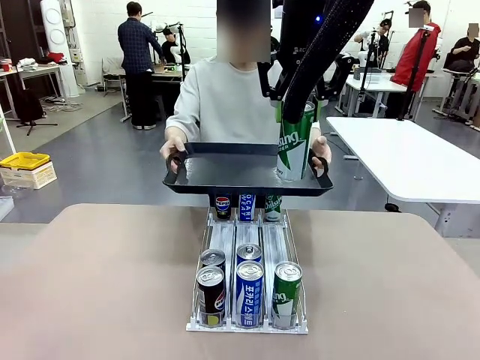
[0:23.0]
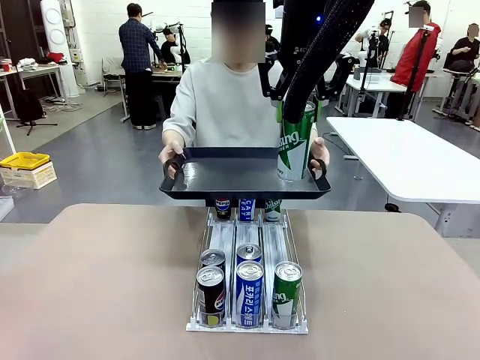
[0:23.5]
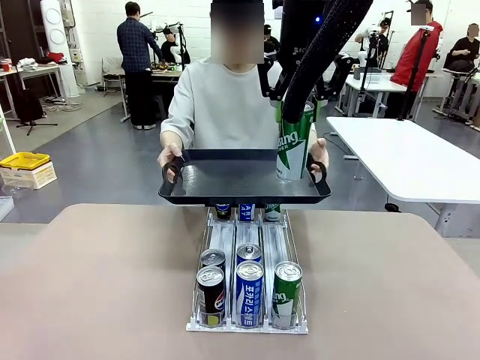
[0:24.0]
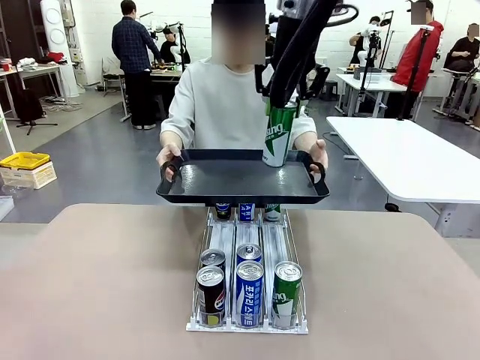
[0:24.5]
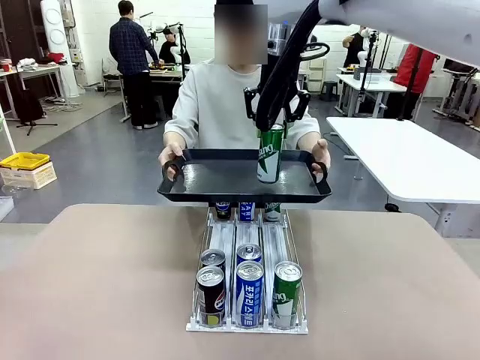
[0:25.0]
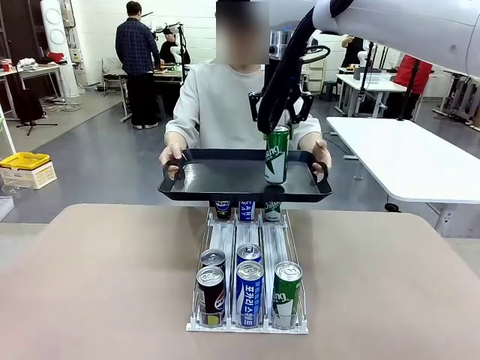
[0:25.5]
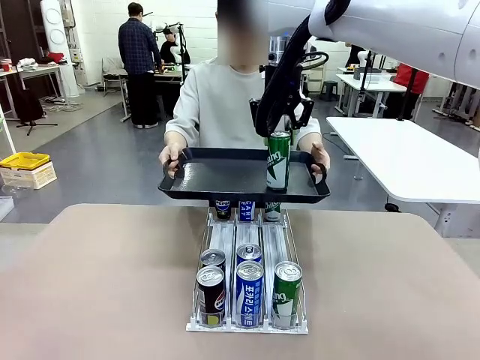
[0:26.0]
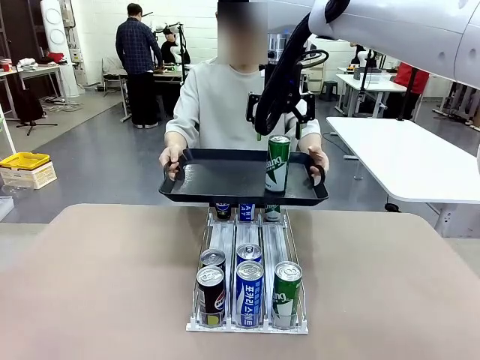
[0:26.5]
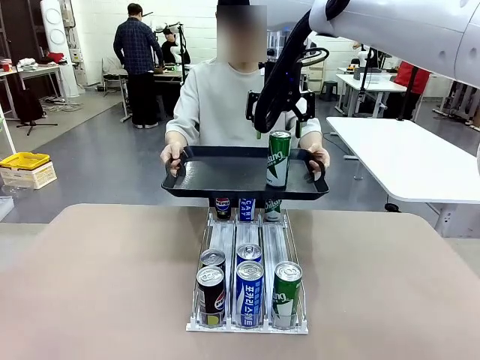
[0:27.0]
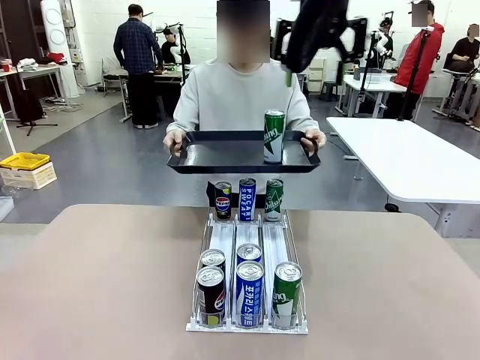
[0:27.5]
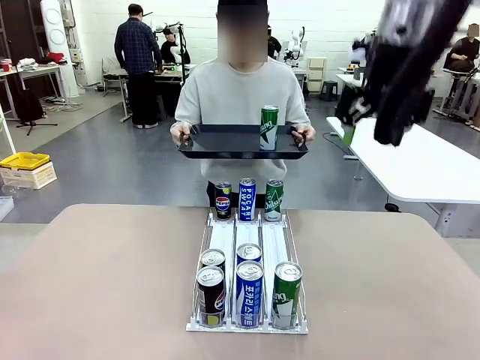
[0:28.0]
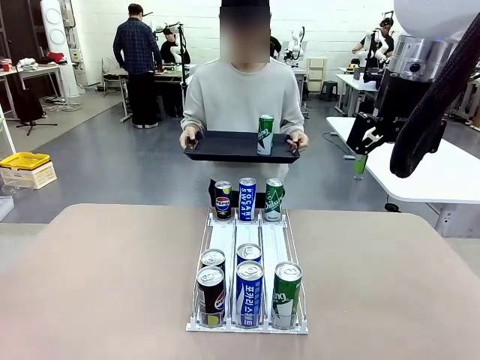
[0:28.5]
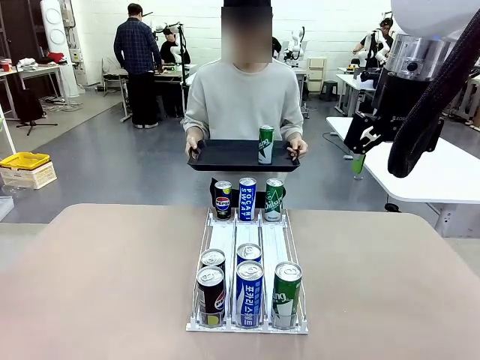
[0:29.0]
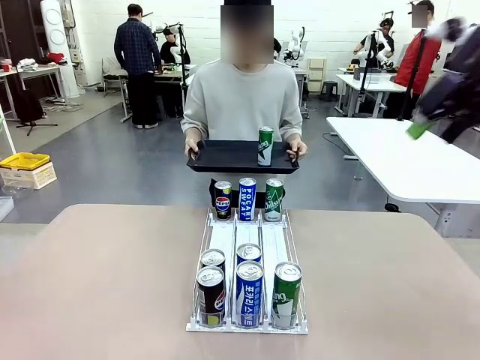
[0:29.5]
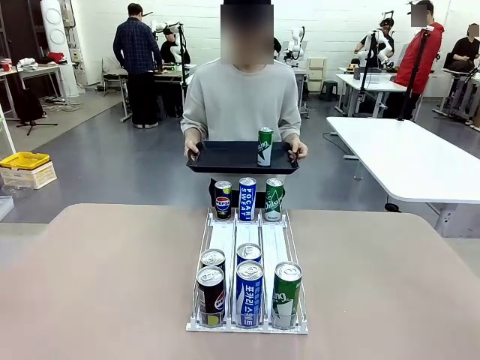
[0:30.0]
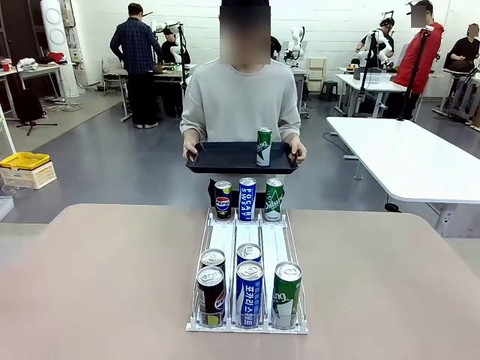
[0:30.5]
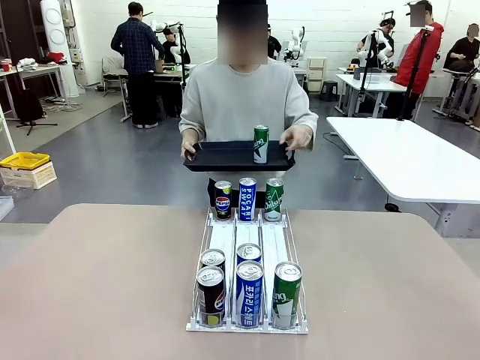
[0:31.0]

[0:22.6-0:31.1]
Task: Retrieve and hand over the desired beverage to the person.
Robot: Place the picked can on the Handle tray extended by the person.
Person: Pull the tray back, then pick up another can from the bottom area of the table and puts it back in its original place.

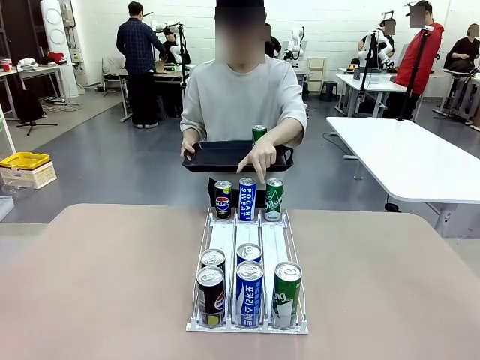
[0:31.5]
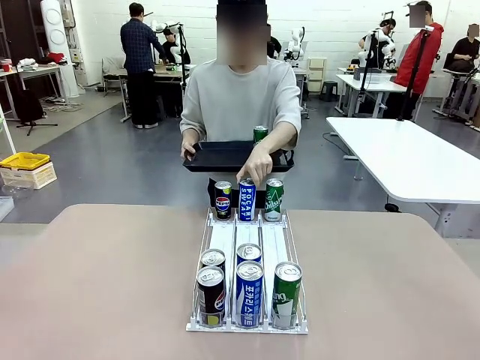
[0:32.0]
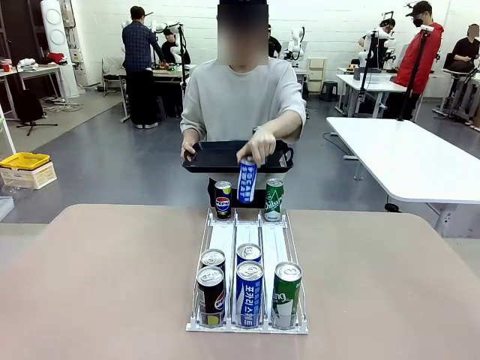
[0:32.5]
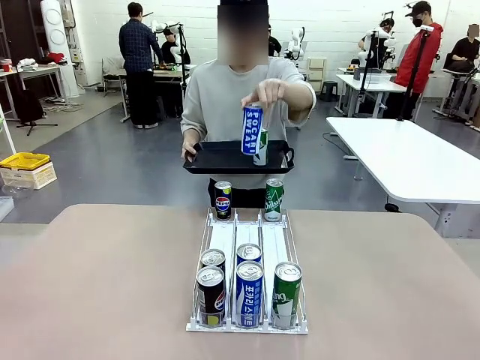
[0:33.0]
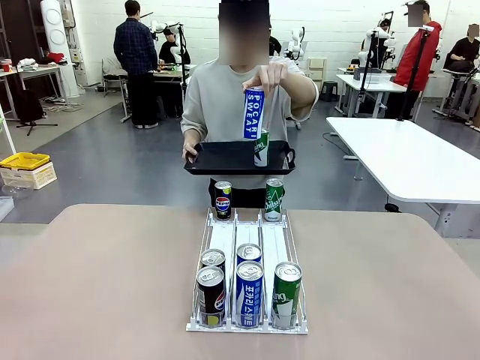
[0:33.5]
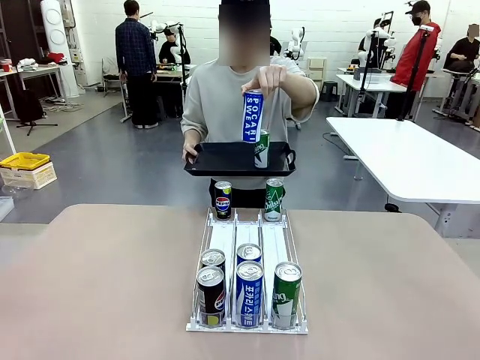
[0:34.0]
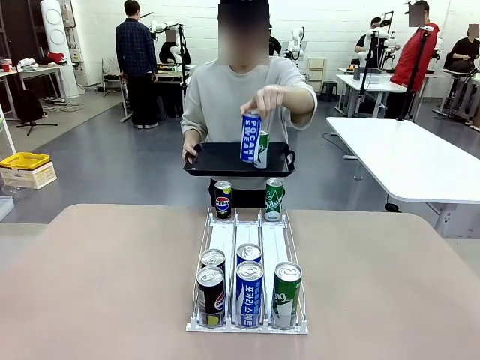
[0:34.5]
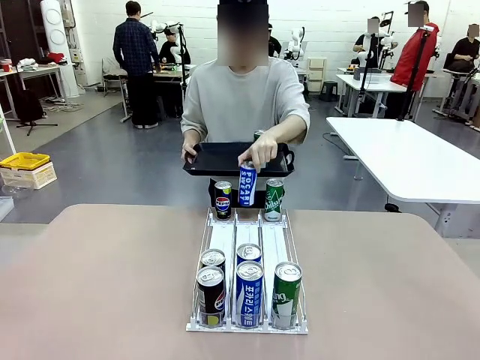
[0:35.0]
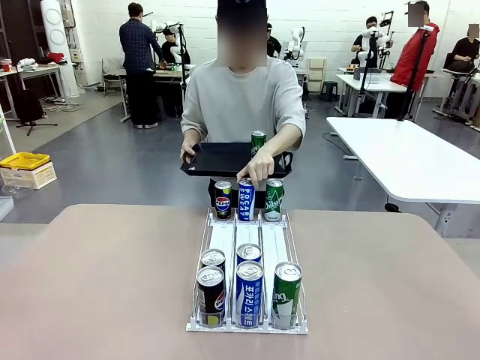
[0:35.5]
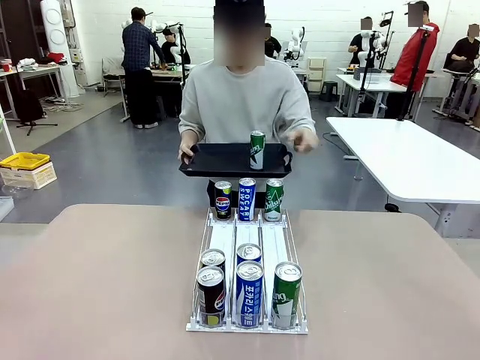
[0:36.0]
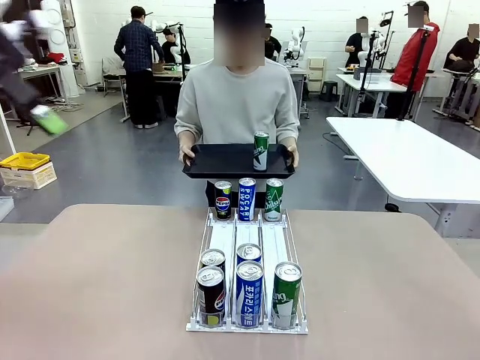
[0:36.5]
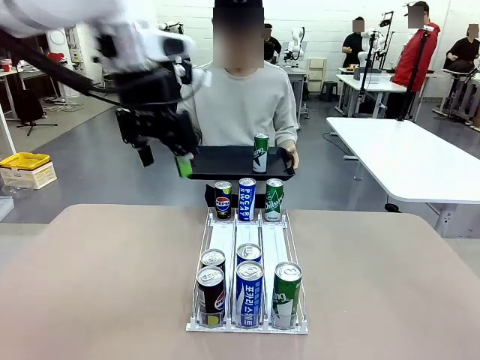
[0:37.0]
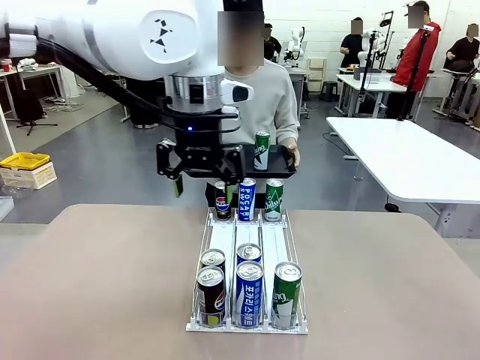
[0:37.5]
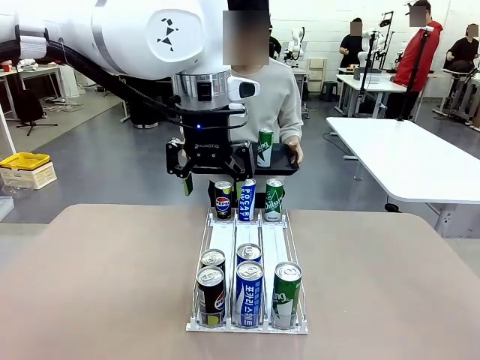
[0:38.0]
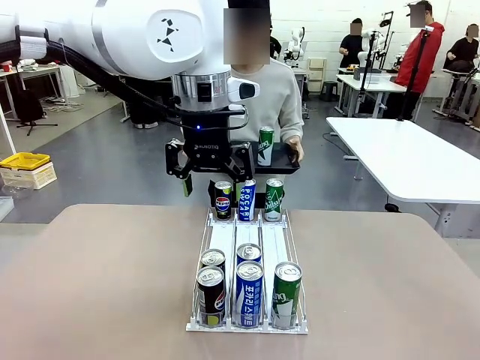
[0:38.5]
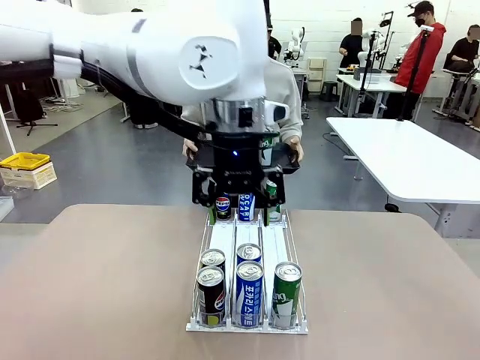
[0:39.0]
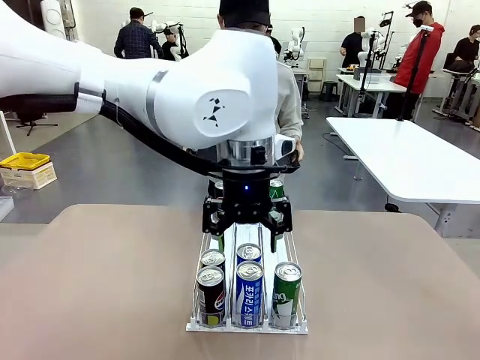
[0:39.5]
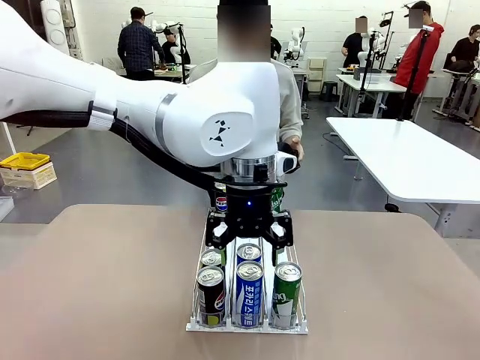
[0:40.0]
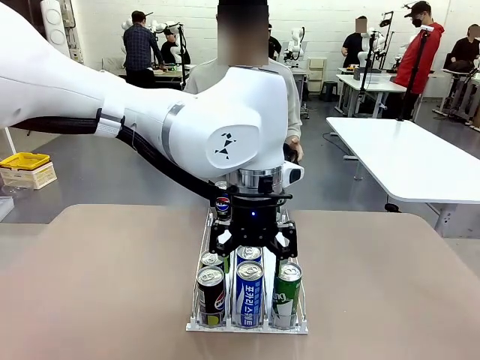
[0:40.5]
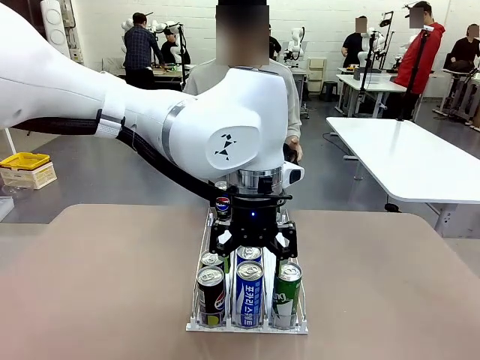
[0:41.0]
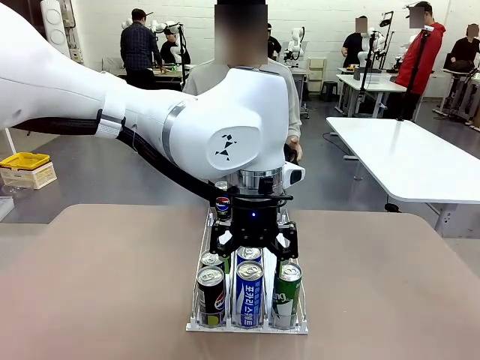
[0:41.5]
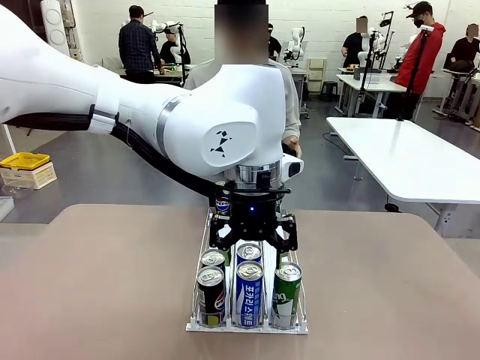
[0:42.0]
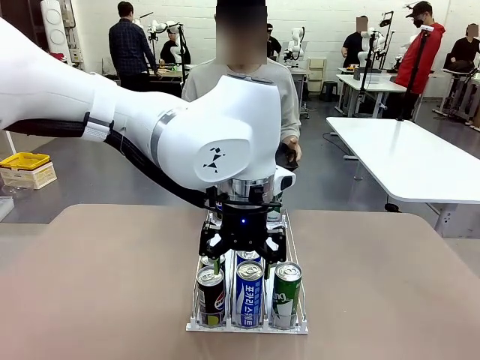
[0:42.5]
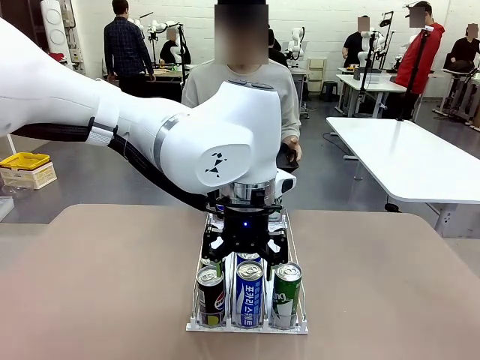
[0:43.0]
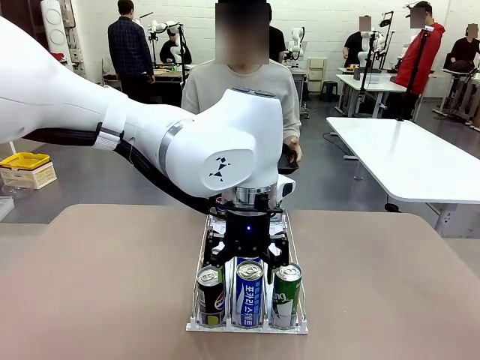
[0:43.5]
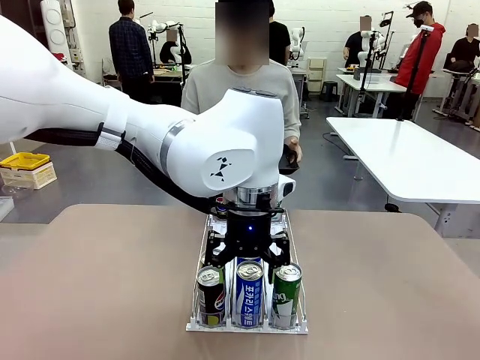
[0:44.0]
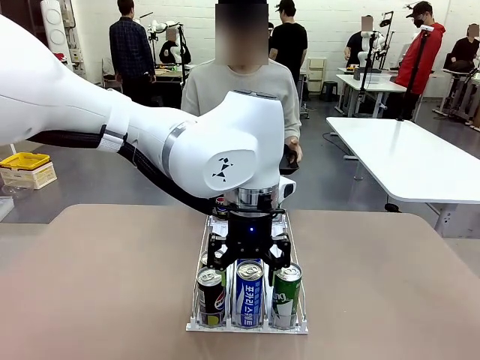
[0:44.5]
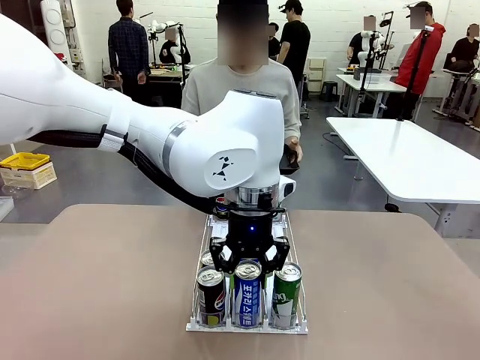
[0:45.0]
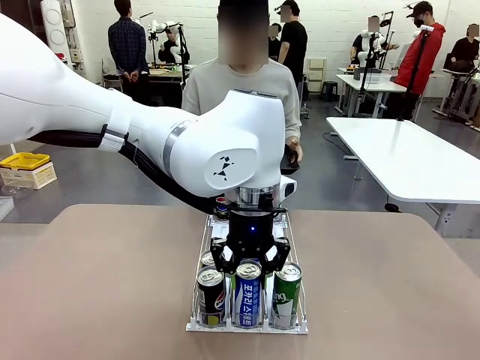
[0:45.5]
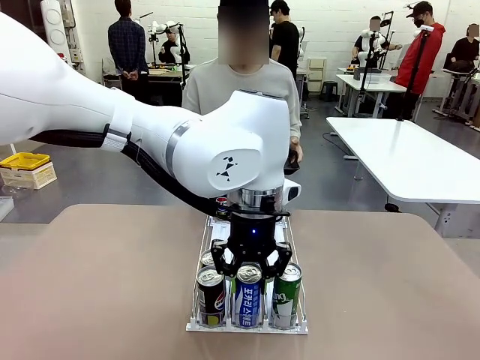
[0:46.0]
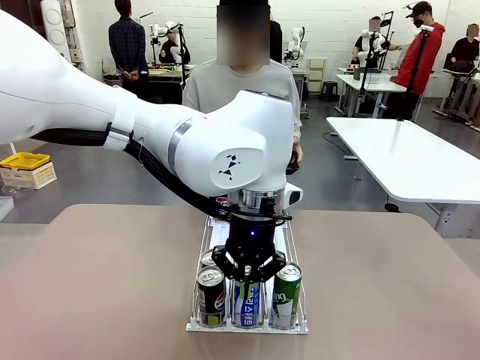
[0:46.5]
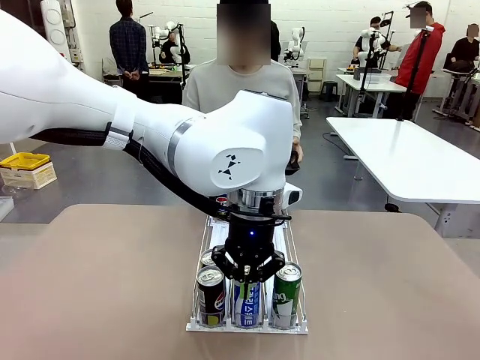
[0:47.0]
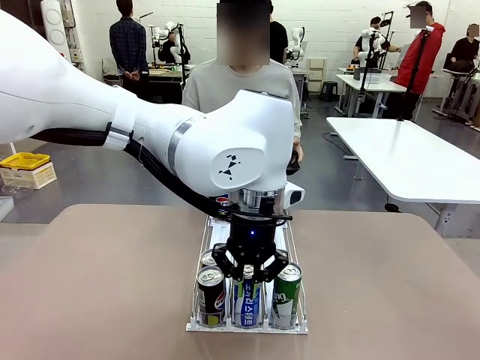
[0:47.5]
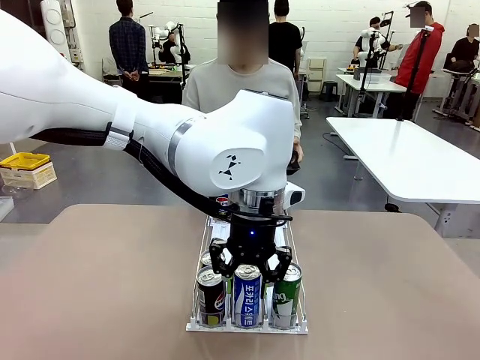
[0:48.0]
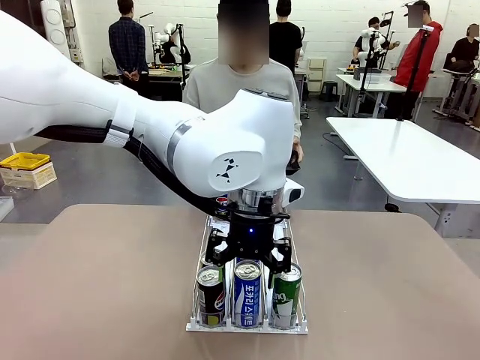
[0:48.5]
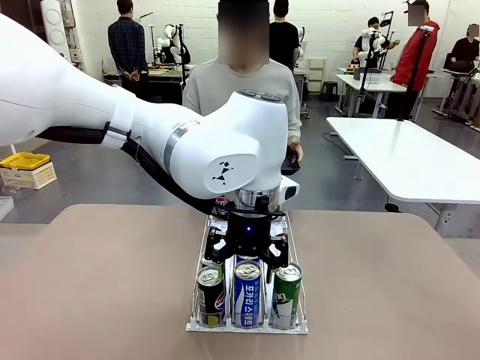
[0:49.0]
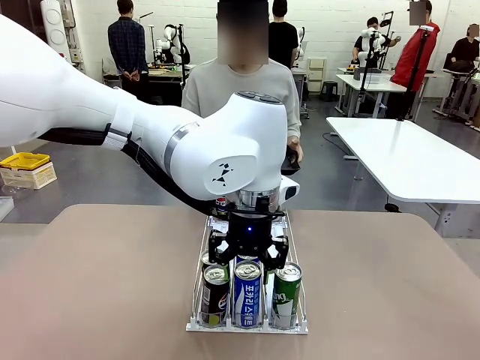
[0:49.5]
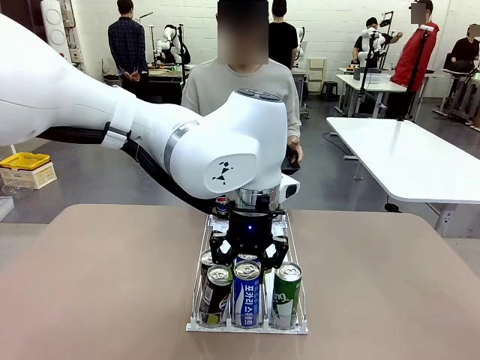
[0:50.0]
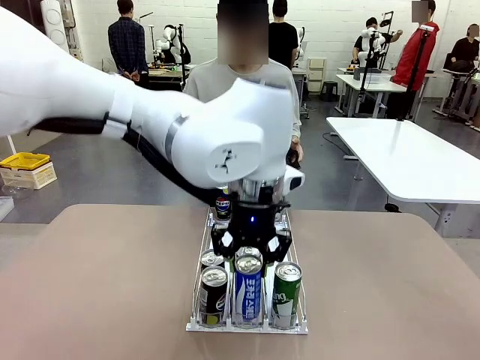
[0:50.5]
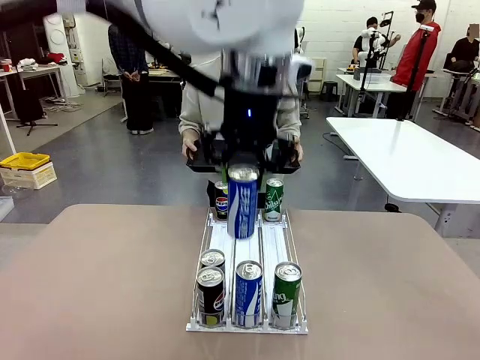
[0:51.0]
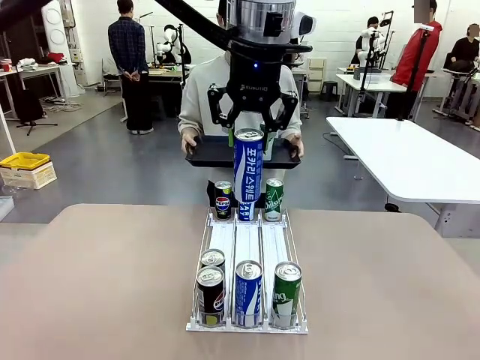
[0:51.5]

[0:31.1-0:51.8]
Robot: Pick up another can of the same type that the person held from the Automatic Can Dispenser.
Person: Push the tray toward the robot again.
